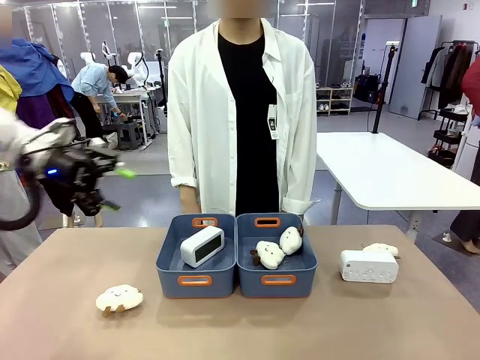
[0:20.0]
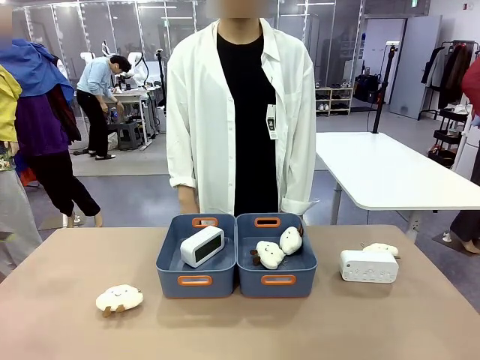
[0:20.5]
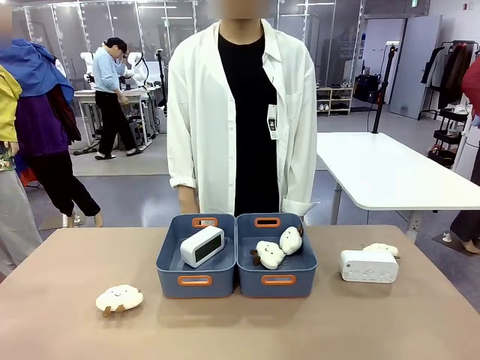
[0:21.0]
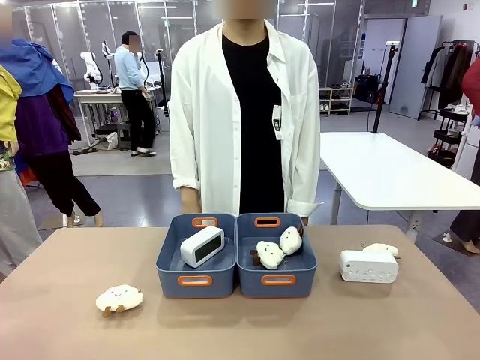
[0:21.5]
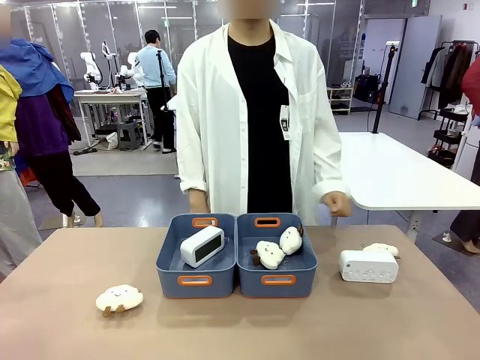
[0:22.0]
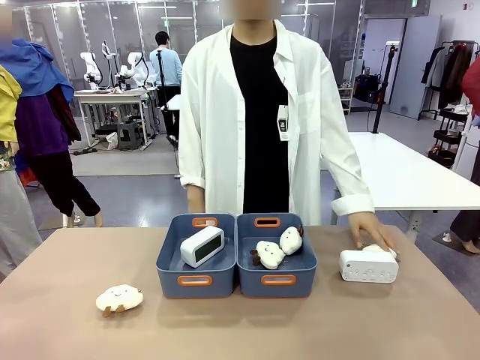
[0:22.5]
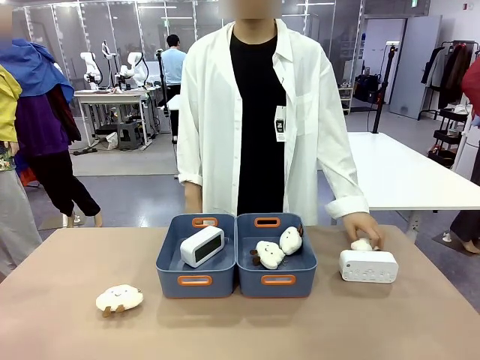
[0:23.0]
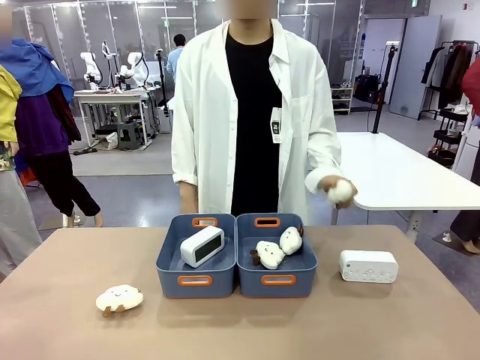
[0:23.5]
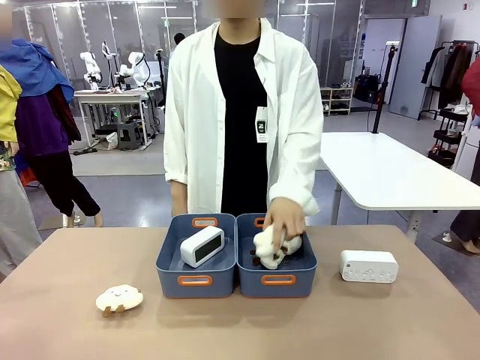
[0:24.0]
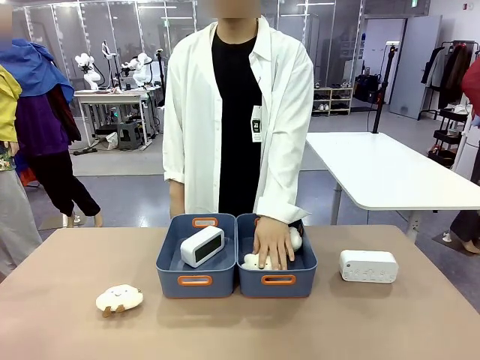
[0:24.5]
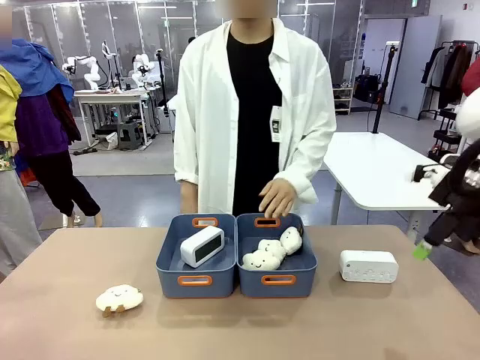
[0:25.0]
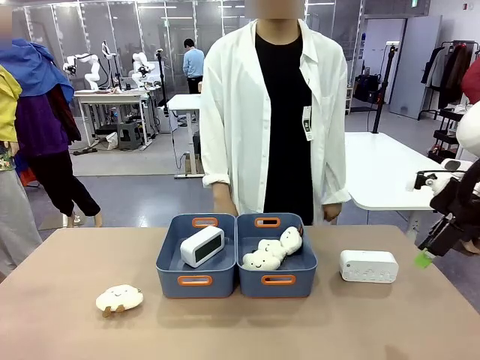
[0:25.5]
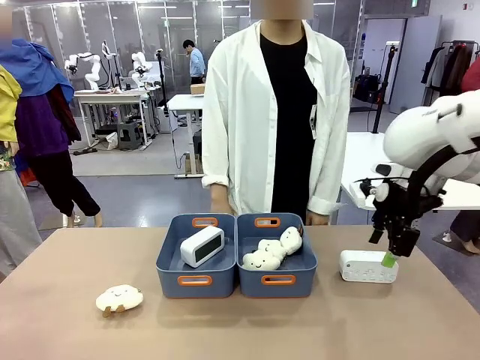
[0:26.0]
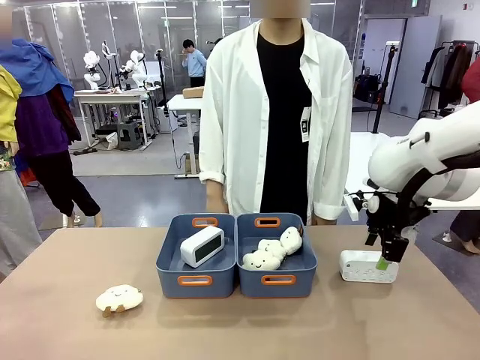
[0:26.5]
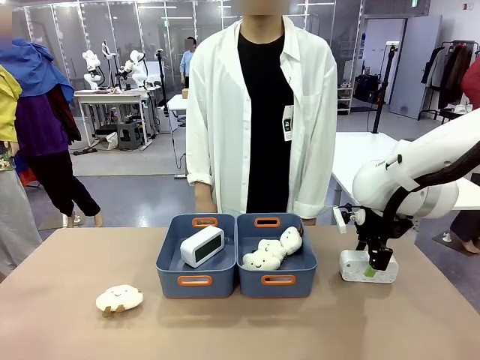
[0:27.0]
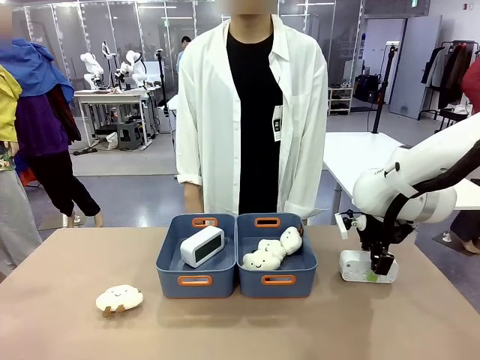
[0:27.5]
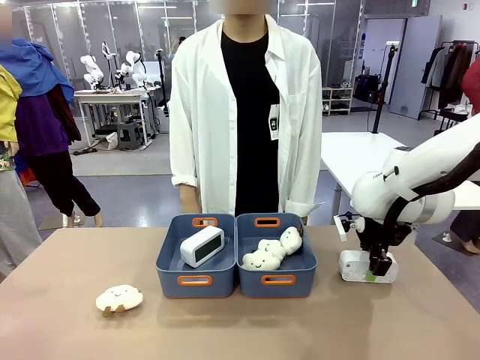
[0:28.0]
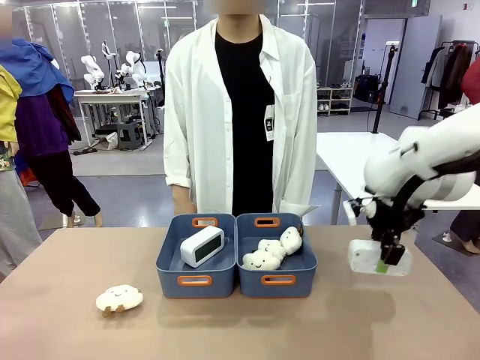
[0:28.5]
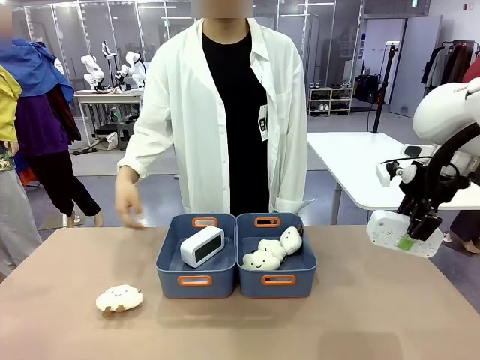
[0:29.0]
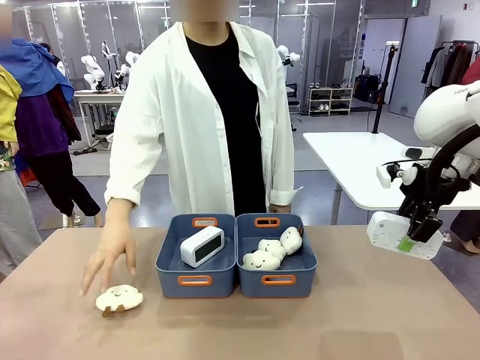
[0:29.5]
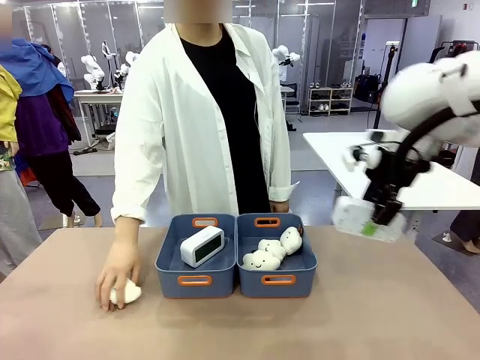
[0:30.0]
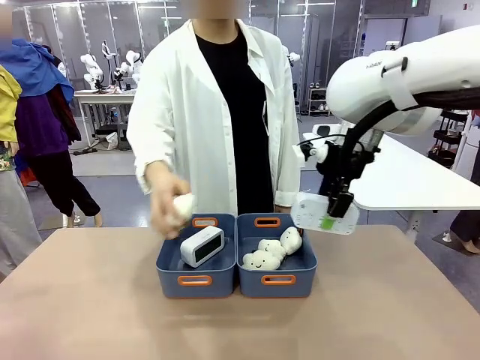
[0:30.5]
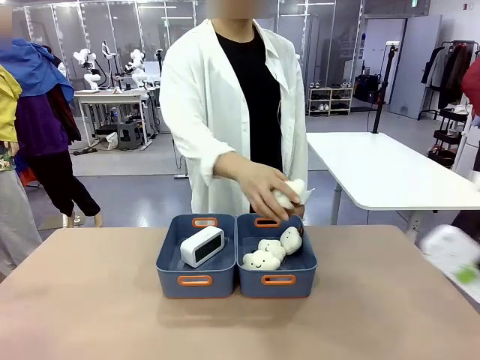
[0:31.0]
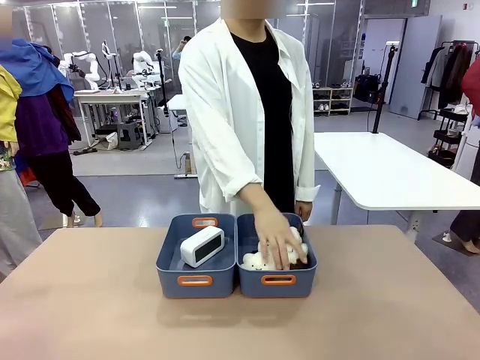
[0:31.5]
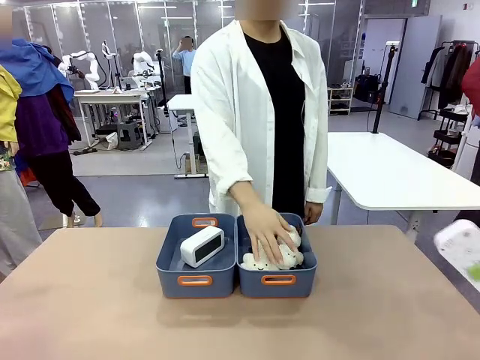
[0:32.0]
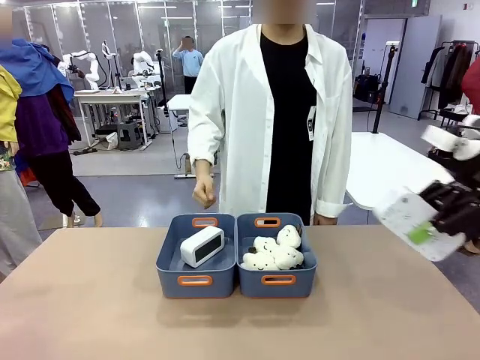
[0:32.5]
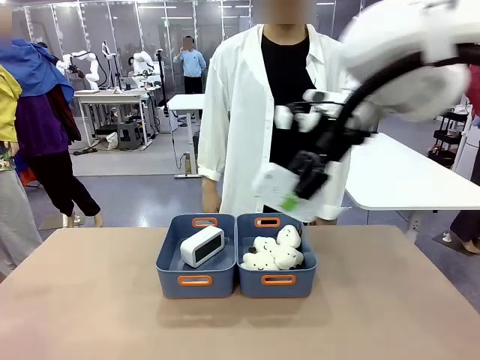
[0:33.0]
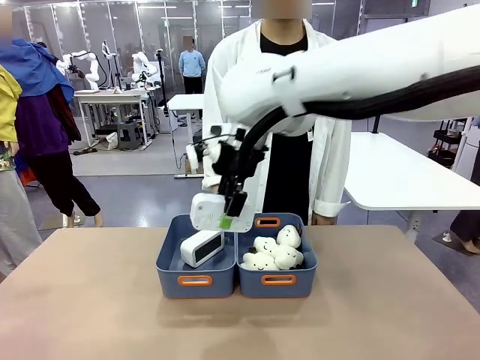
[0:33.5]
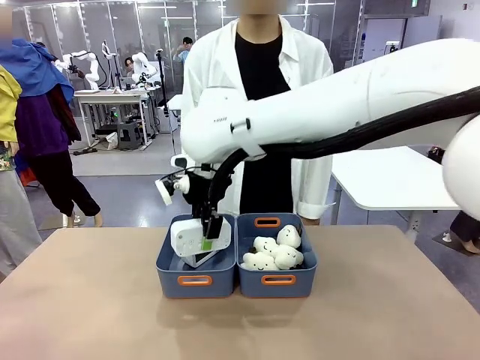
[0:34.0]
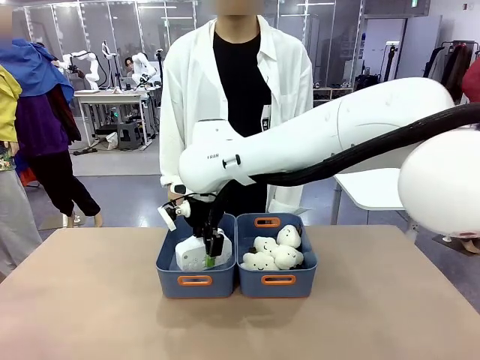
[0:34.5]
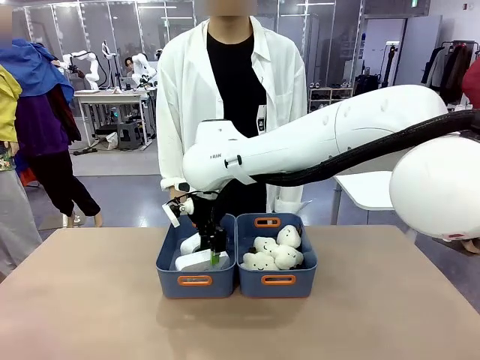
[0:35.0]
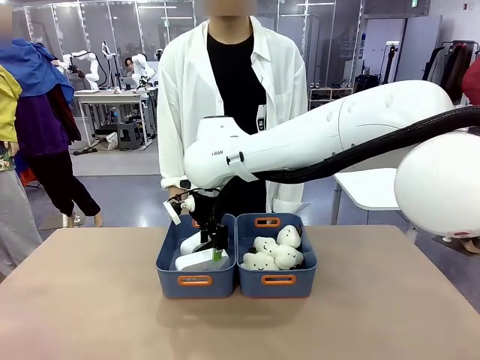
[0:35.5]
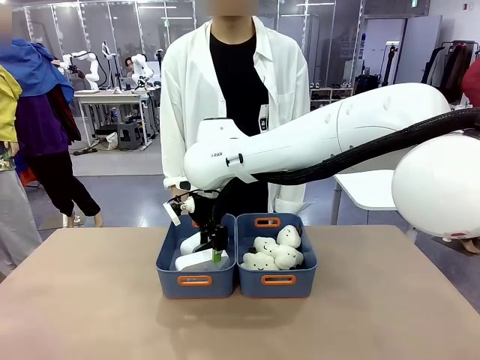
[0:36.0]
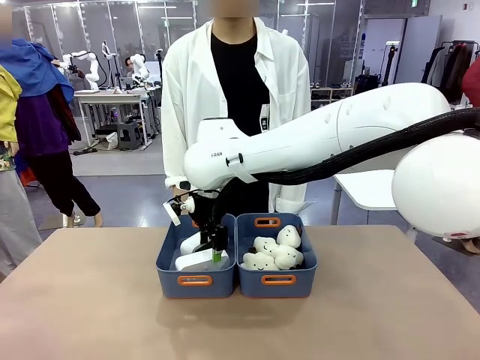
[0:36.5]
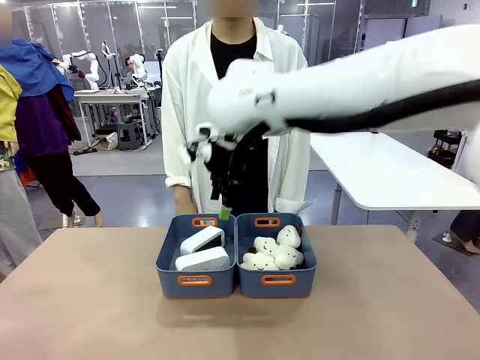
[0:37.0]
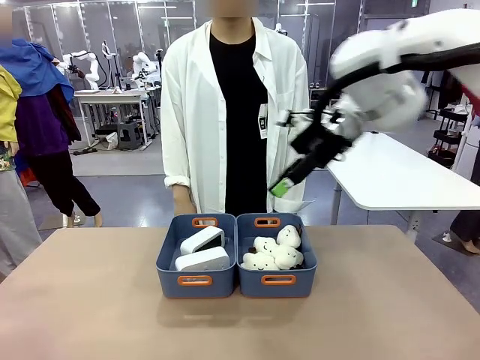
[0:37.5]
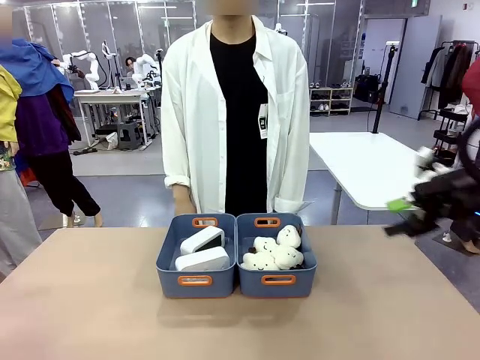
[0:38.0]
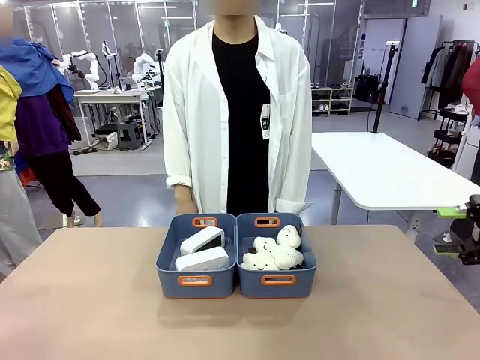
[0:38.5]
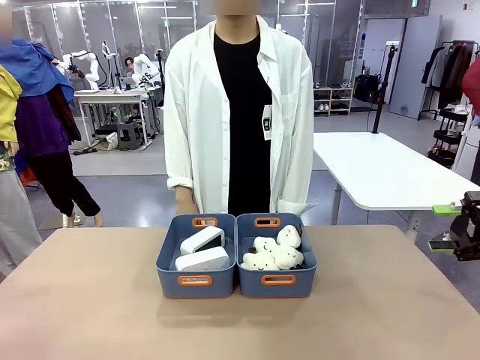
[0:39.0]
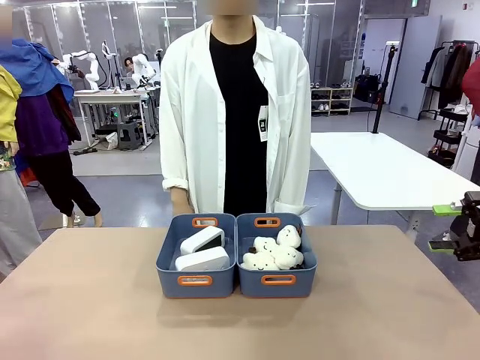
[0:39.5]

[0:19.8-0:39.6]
Task: Sort the digital clocks into the basket.
Robot: Pick up the Digital clock from the table and place it into the empty Plastic storage basket.
Person: Pick up a plush toy from the table and place it in the plastic storage basket containing the plush toy.
